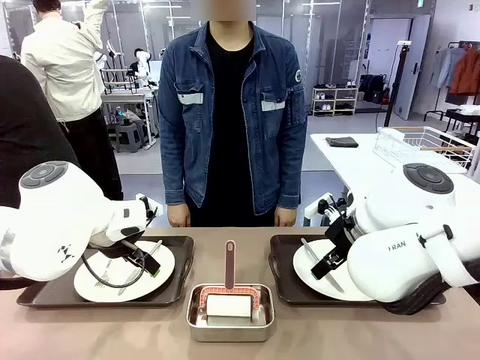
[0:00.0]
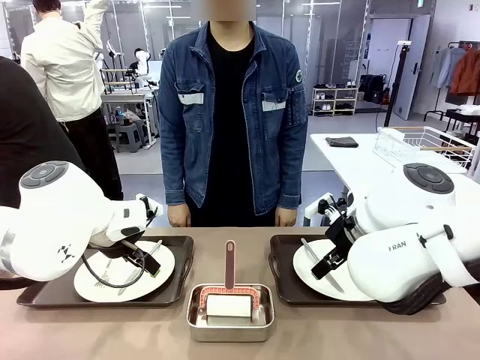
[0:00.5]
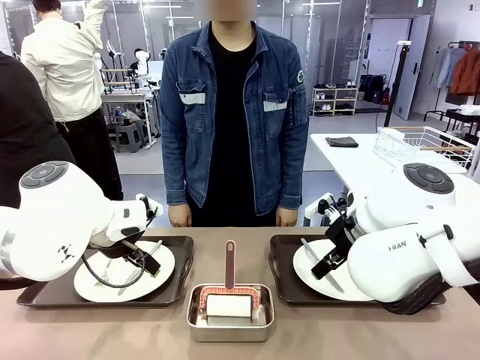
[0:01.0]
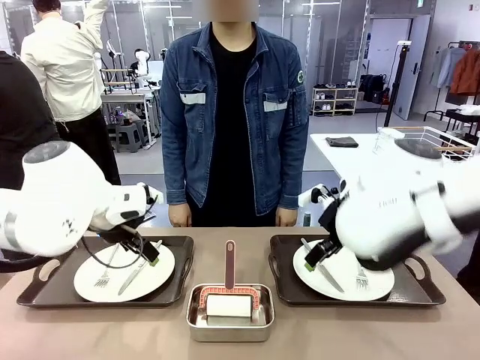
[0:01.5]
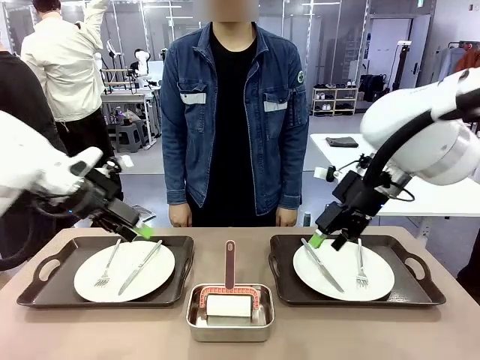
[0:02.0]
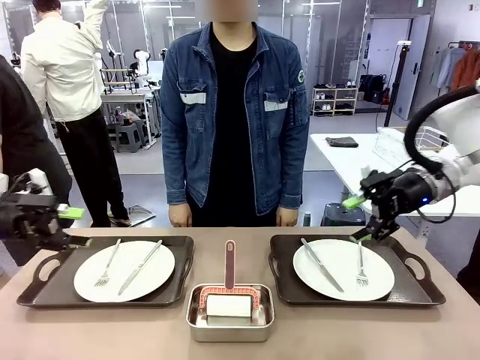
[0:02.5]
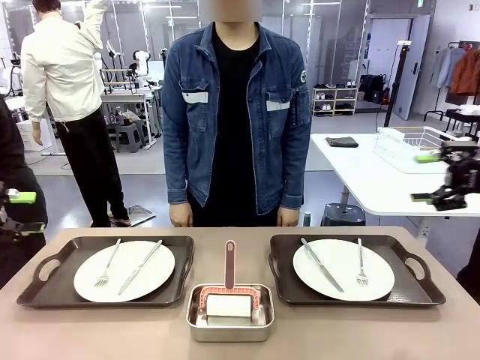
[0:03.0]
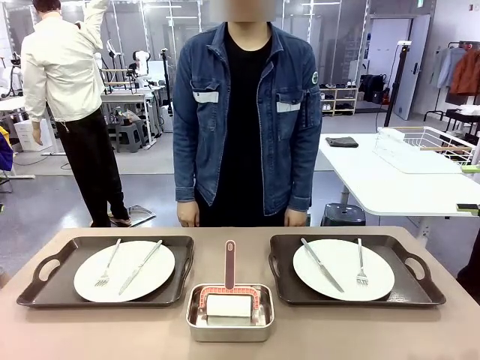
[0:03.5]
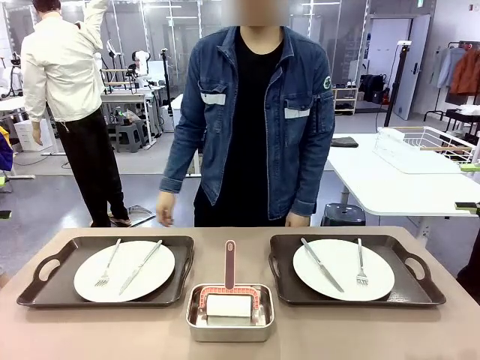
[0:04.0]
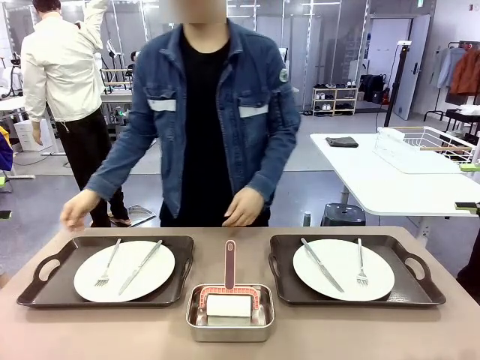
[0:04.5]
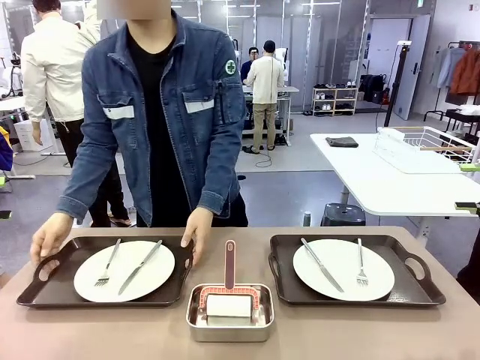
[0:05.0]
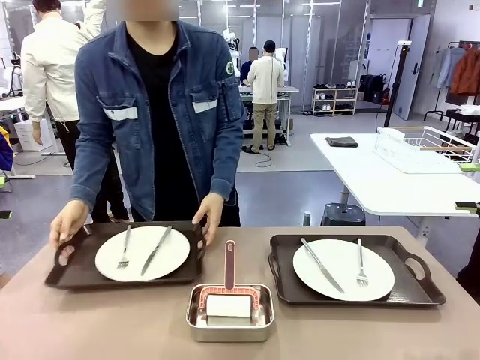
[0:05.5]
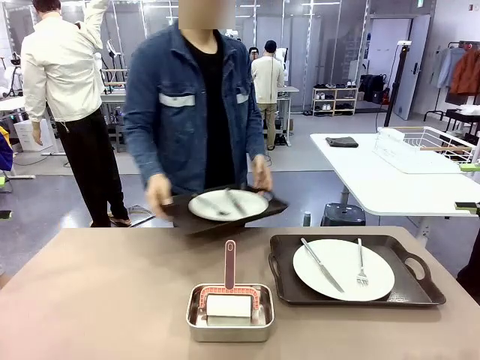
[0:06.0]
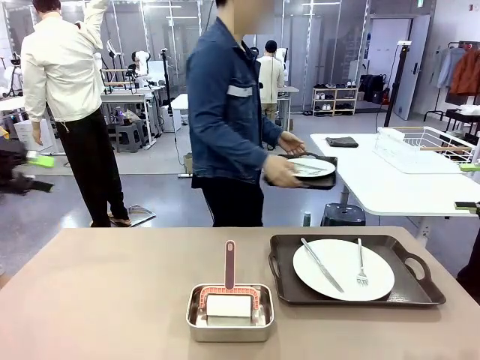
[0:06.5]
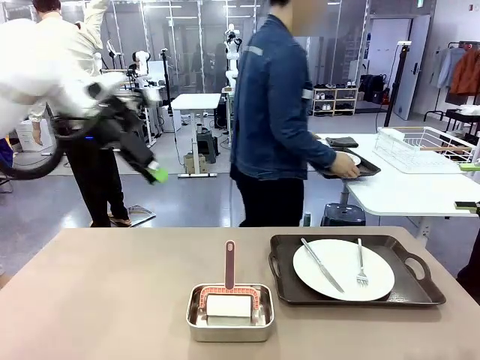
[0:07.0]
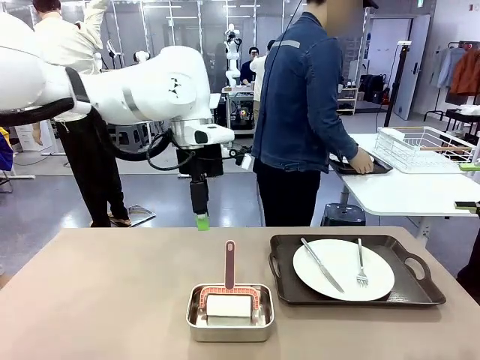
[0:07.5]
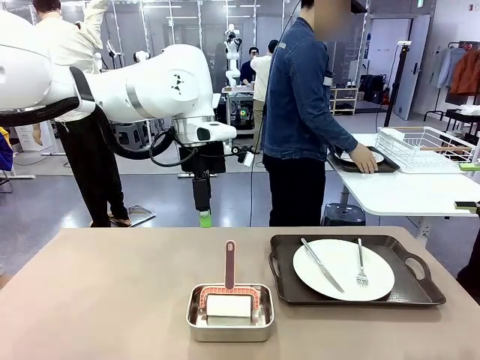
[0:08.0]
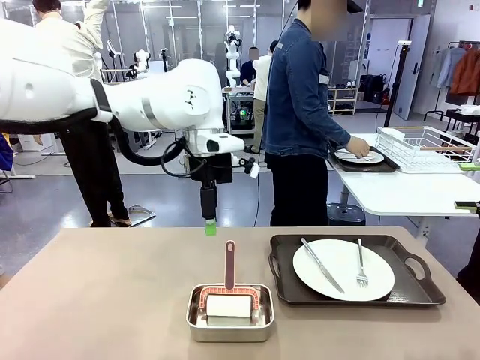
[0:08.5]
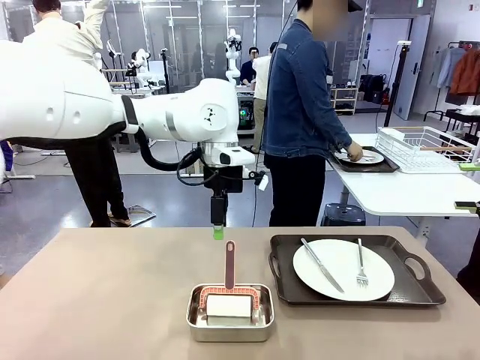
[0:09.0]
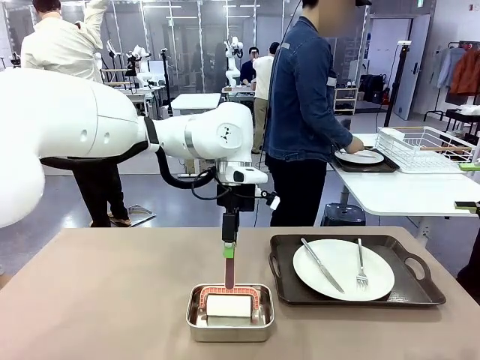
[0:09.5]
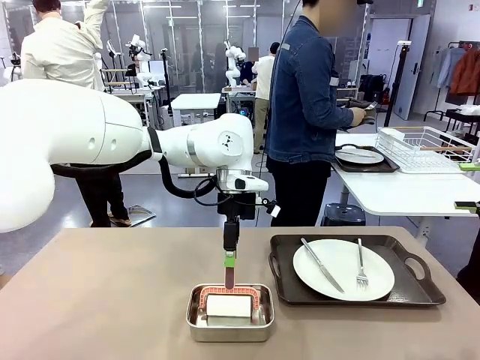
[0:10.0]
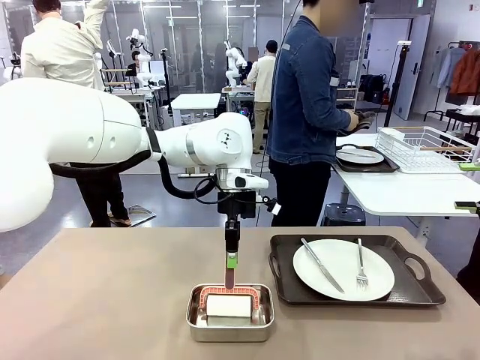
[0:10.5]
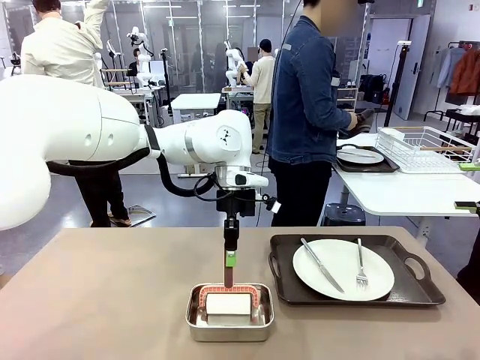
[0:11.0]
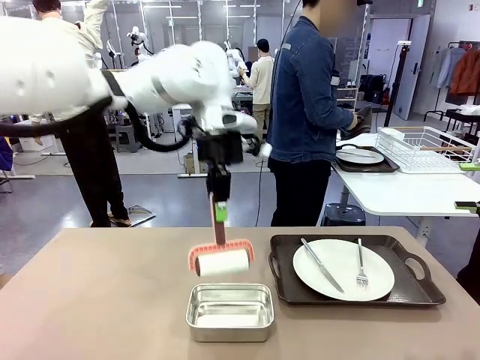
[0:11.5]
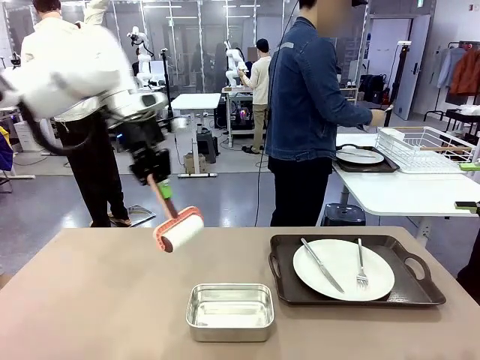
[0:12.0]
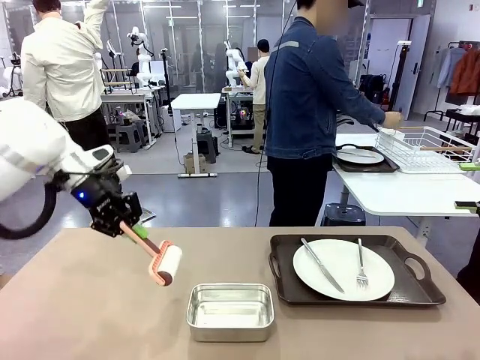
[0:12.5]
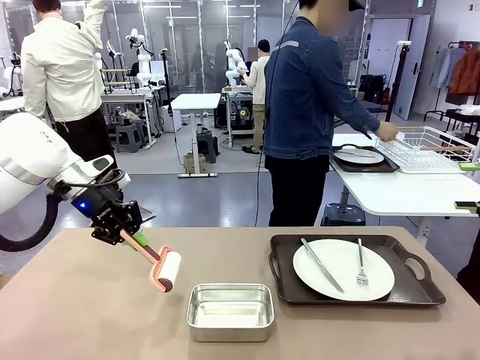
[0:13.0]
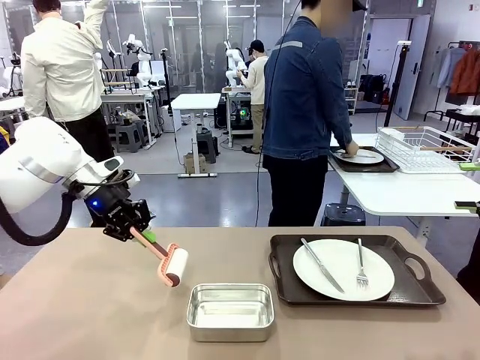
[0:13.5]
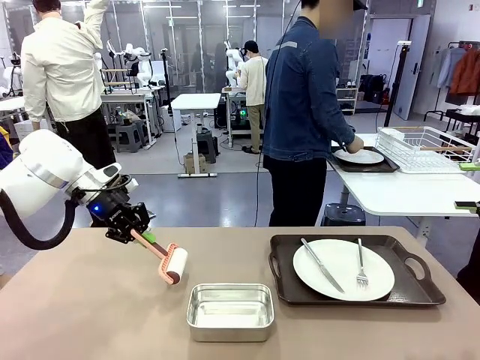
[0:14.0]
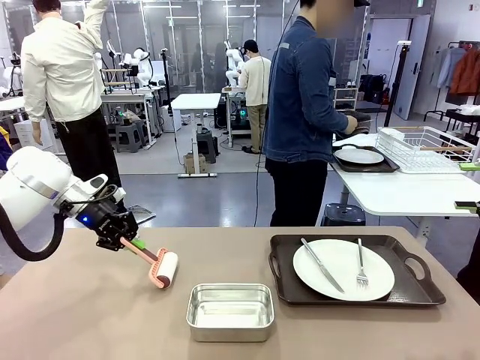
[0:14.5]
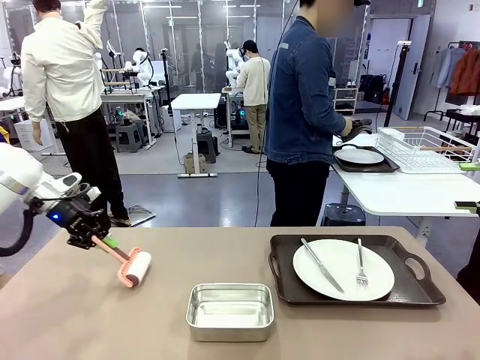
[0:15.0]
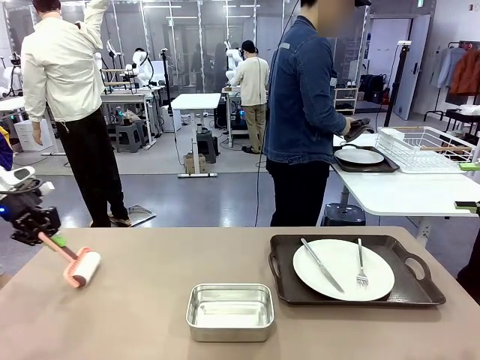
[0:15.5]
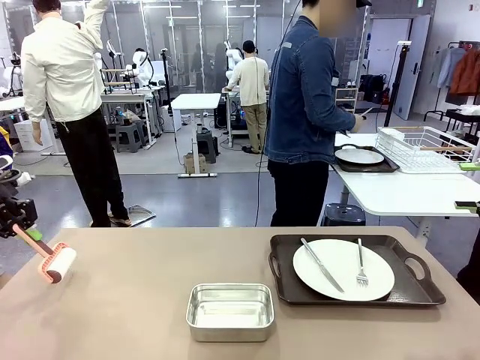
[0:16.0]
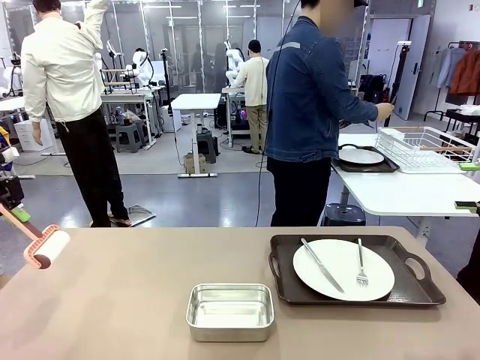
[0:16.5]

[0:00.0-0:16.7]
Robot: When the left (or right) Handle tray is removed, use the left hand (or right hand) to clean the left (or right) side of the table with the Lint Roller.
Person: Pick up the left (or right) Handle tray and place it on the middle of the Human's table. Use the Towel with hook to wipe the Plastic Matte Plate , Fork , and Knife and place into the Dish drying rack.

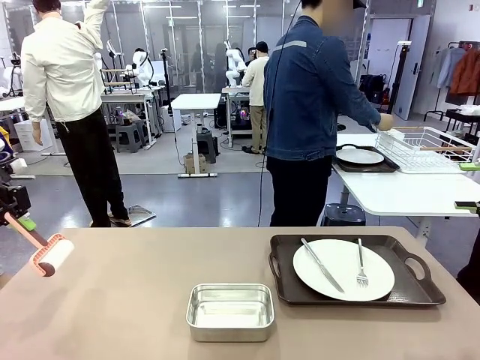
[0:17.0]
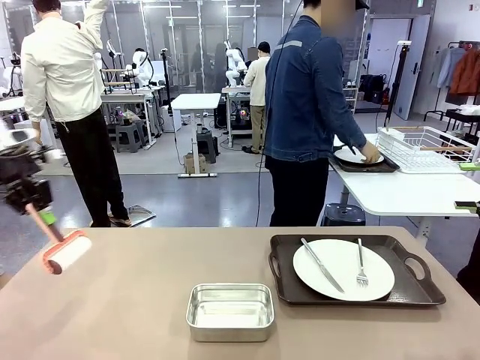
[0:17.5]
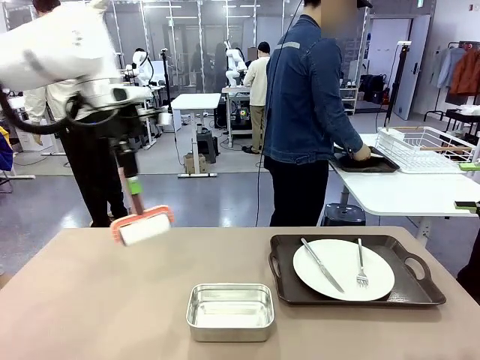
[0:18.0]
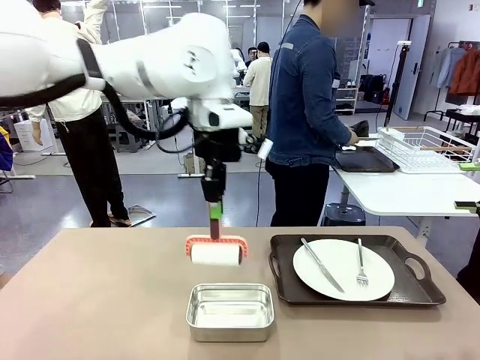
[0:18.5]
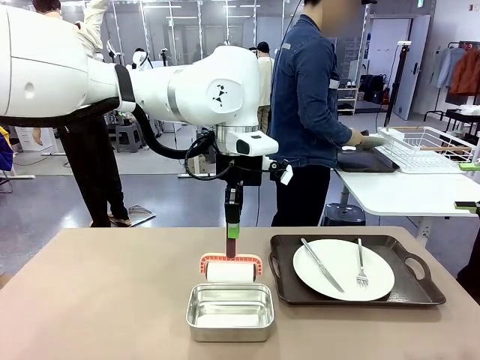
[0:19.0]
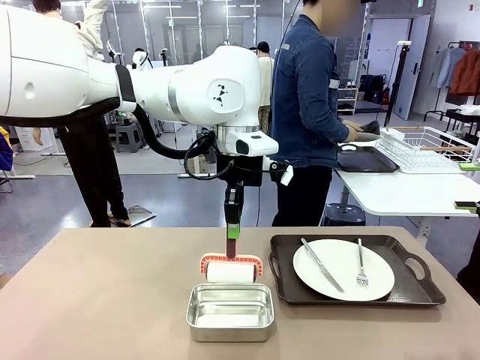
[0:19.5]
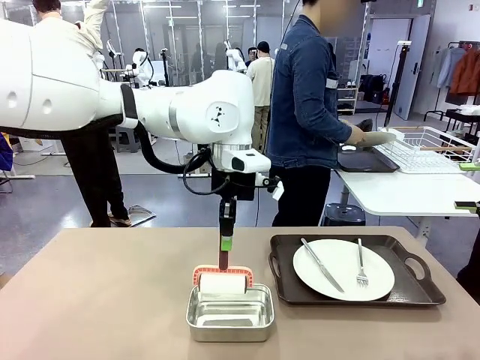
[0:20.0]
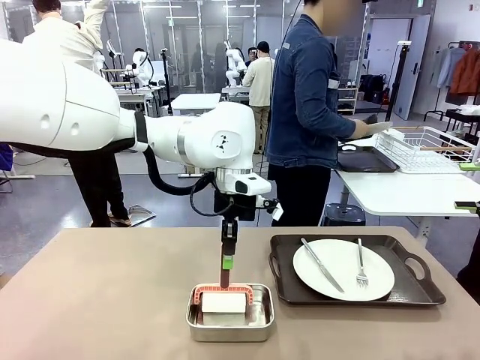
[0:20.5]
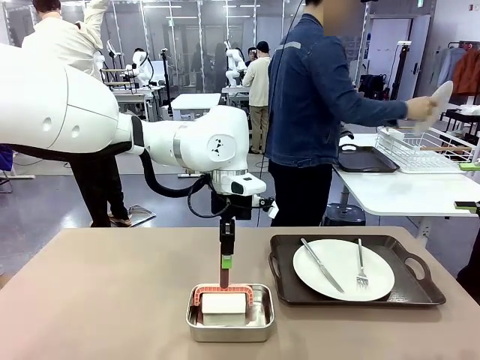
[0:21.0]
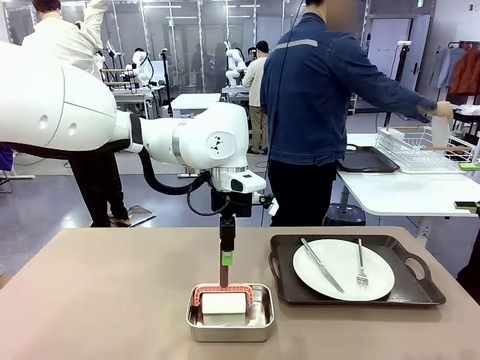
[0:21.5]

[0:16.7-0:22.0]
Robot: Place the Lint Roller back on top of the Airtight Container.

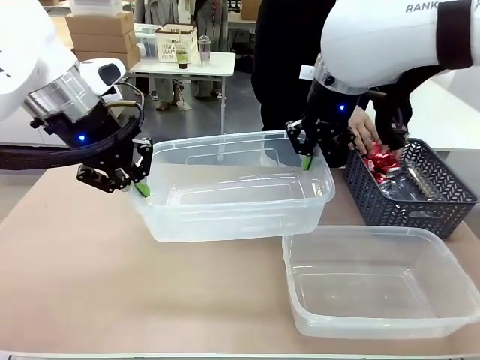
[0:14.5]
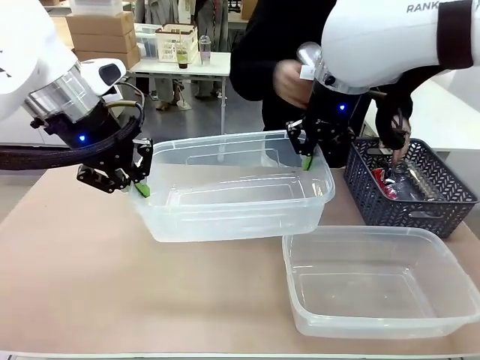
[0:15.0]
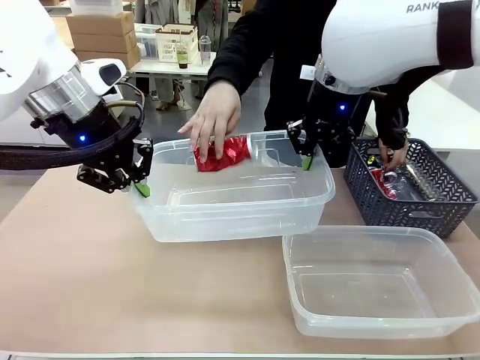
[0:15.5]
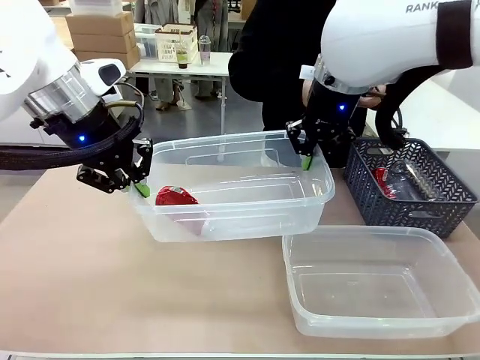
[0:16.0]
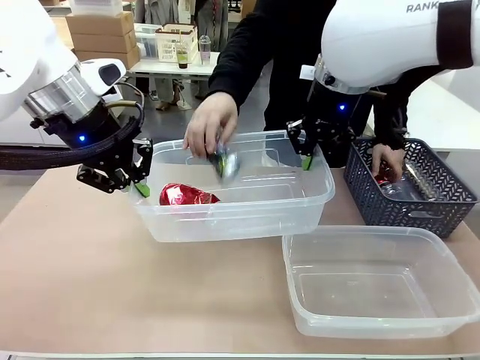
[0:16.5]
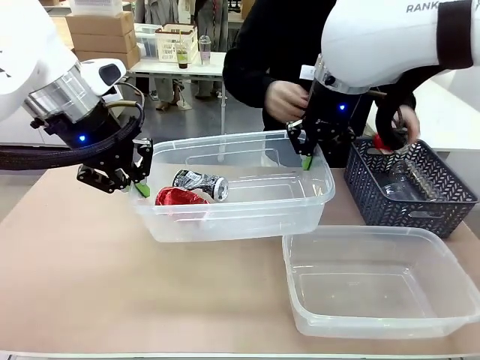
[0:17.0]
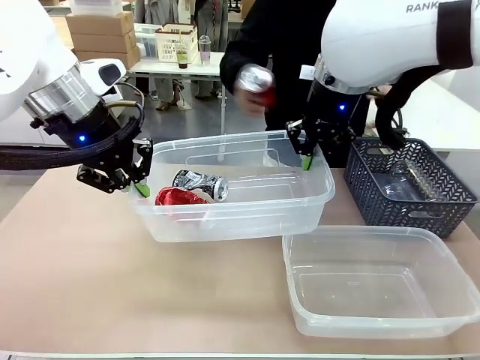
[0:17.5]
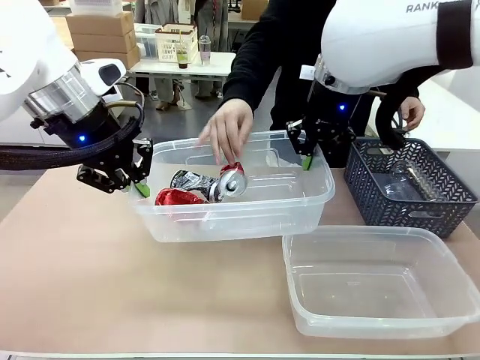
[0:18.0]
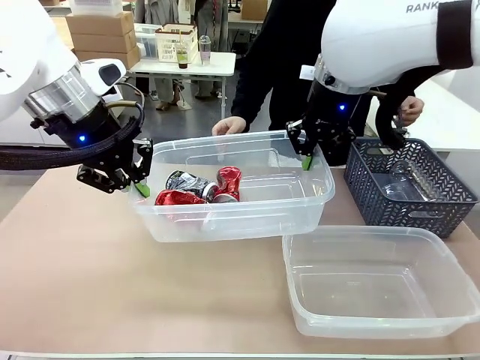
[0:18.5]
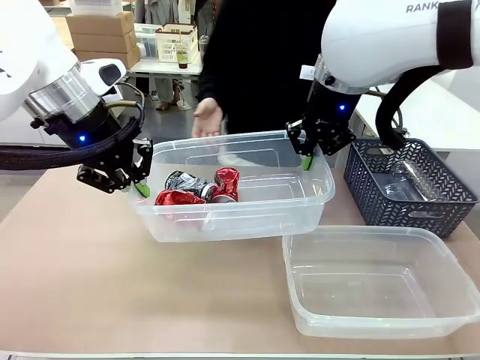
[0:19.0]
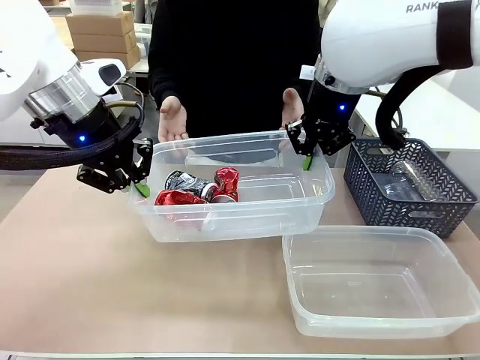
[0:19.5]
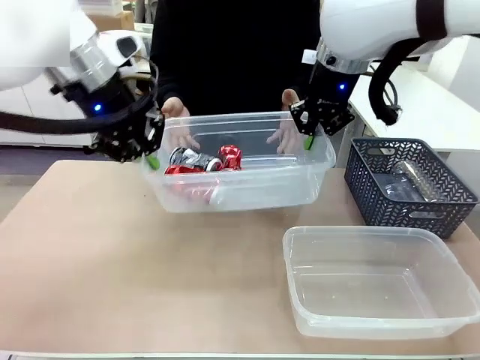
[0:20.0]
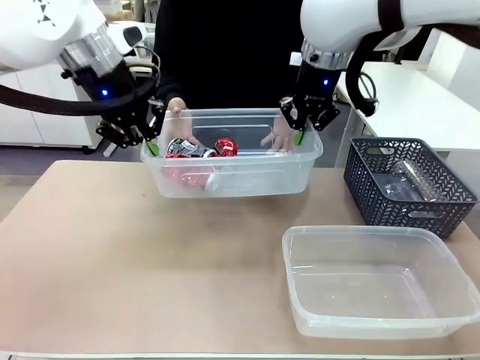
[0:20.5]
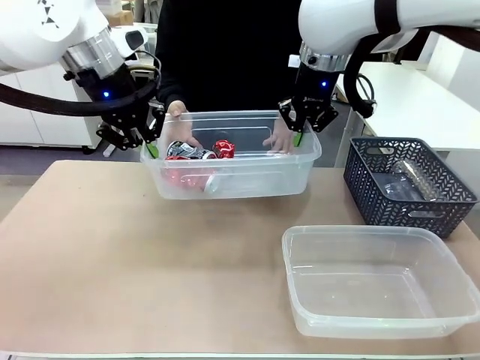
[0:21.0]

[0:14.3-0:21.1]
Robot: Offer the picked Organizing box to the human.
